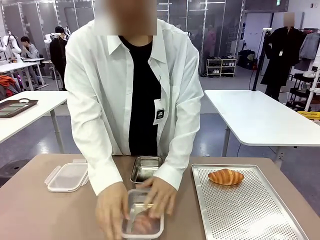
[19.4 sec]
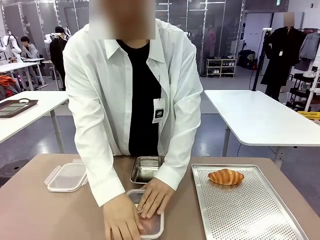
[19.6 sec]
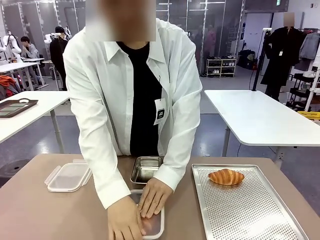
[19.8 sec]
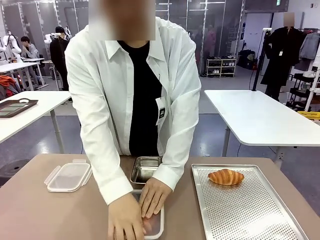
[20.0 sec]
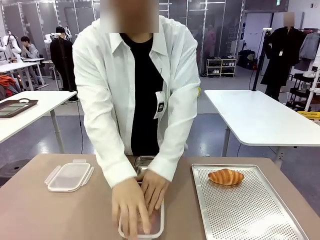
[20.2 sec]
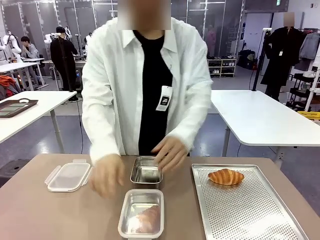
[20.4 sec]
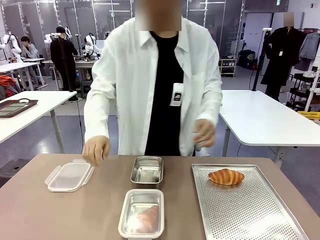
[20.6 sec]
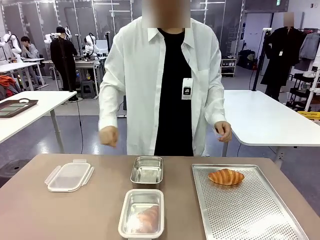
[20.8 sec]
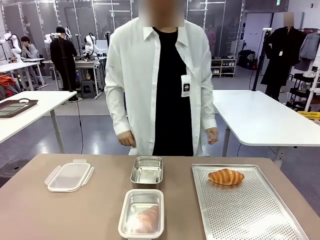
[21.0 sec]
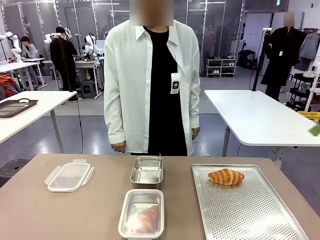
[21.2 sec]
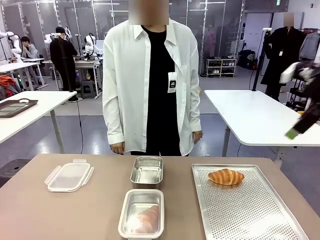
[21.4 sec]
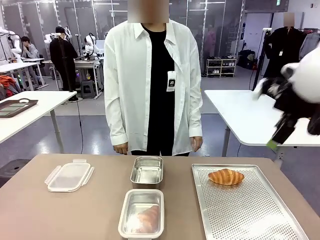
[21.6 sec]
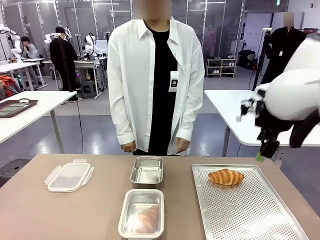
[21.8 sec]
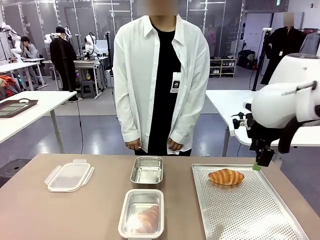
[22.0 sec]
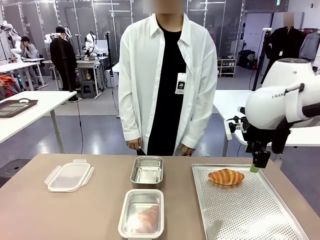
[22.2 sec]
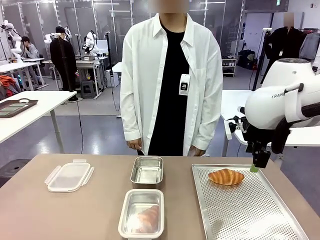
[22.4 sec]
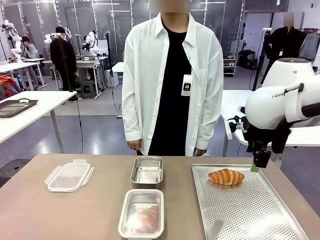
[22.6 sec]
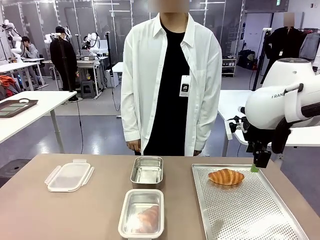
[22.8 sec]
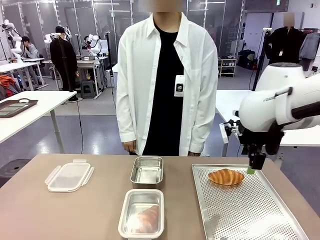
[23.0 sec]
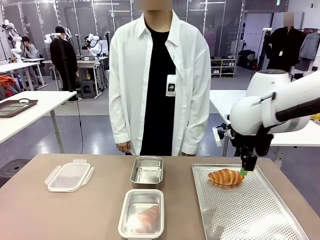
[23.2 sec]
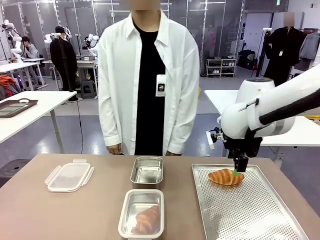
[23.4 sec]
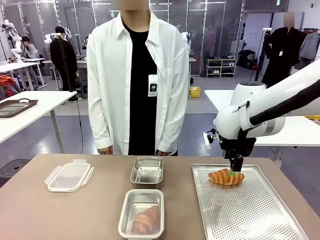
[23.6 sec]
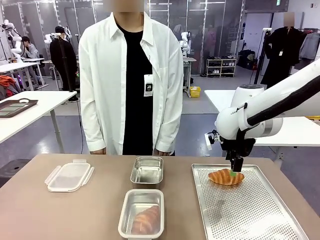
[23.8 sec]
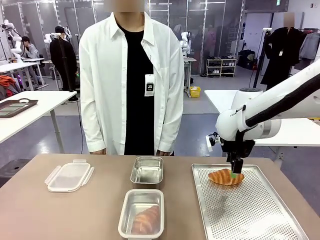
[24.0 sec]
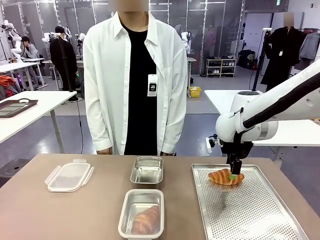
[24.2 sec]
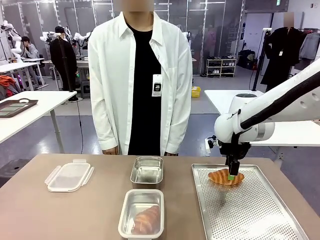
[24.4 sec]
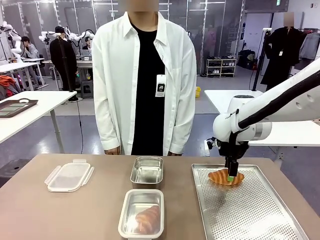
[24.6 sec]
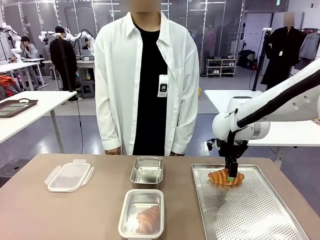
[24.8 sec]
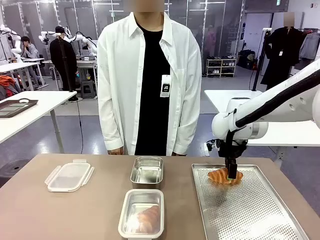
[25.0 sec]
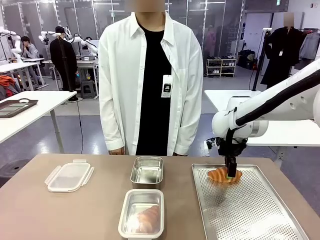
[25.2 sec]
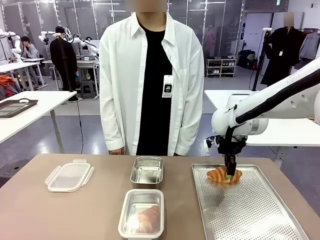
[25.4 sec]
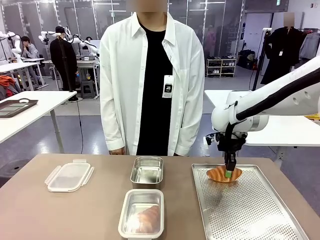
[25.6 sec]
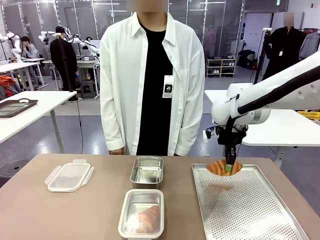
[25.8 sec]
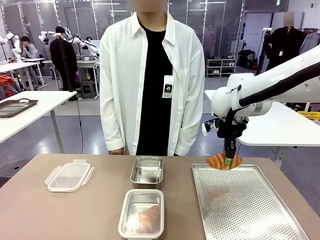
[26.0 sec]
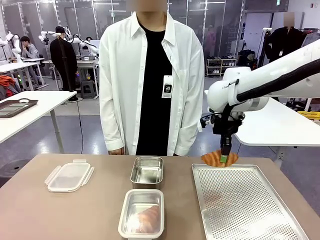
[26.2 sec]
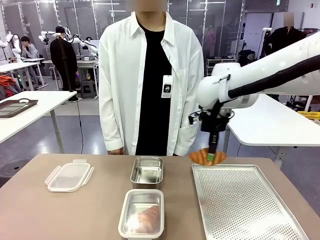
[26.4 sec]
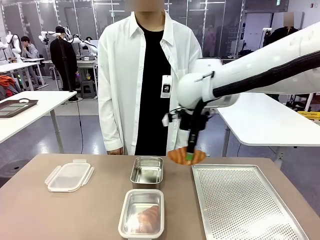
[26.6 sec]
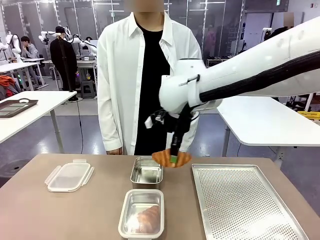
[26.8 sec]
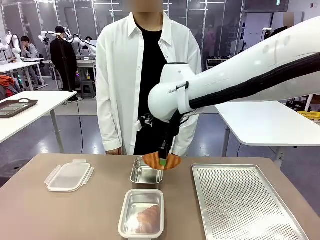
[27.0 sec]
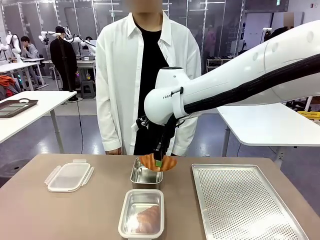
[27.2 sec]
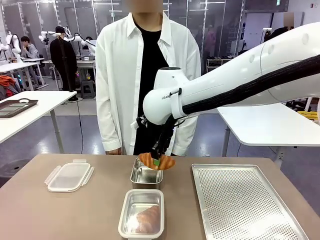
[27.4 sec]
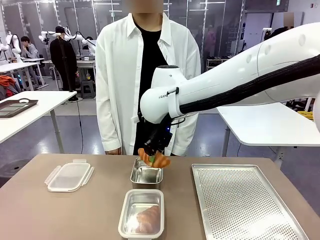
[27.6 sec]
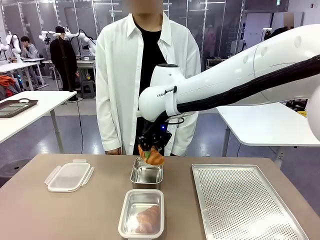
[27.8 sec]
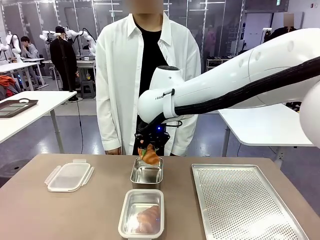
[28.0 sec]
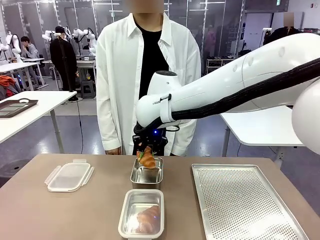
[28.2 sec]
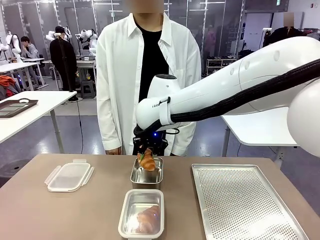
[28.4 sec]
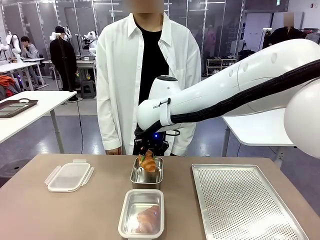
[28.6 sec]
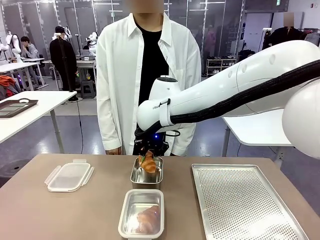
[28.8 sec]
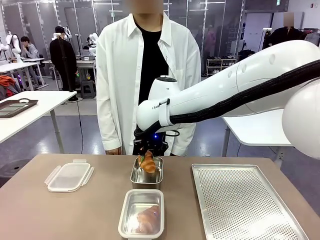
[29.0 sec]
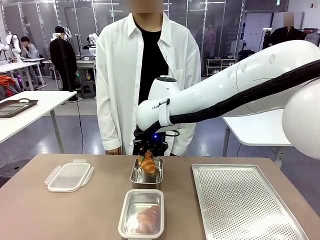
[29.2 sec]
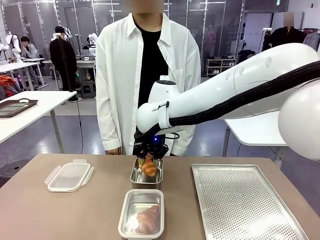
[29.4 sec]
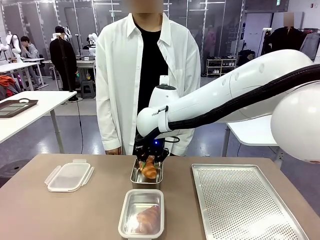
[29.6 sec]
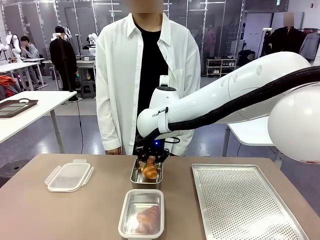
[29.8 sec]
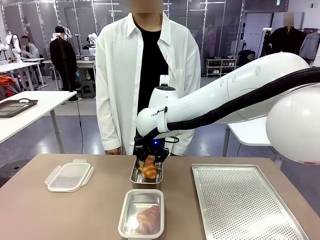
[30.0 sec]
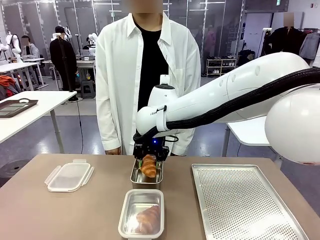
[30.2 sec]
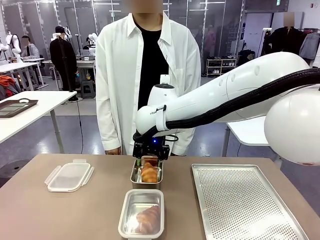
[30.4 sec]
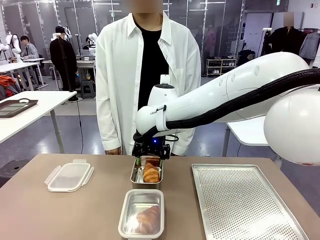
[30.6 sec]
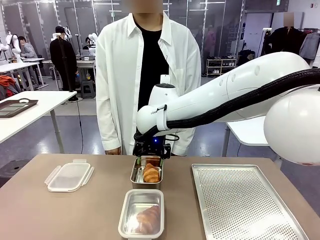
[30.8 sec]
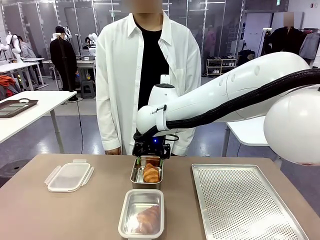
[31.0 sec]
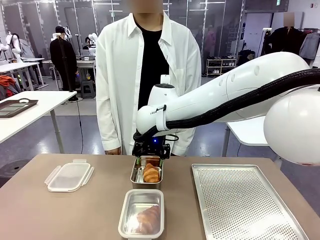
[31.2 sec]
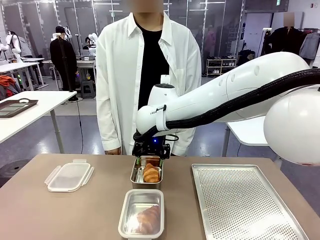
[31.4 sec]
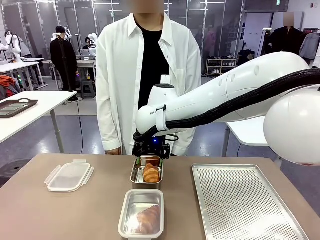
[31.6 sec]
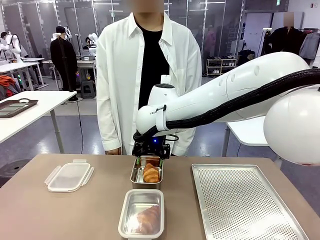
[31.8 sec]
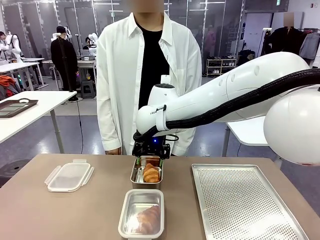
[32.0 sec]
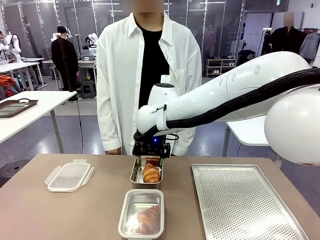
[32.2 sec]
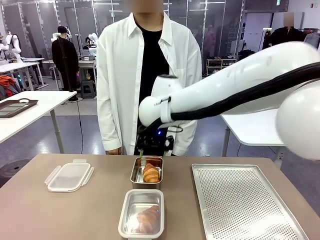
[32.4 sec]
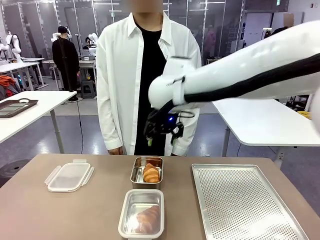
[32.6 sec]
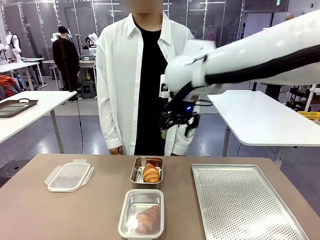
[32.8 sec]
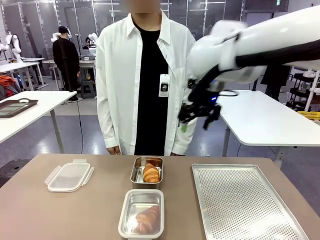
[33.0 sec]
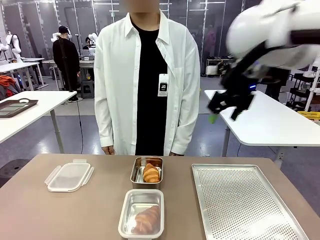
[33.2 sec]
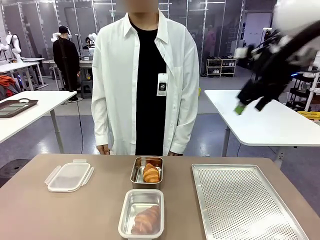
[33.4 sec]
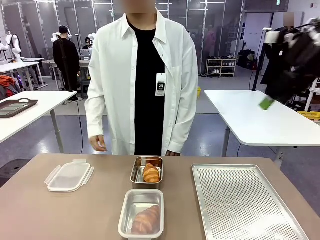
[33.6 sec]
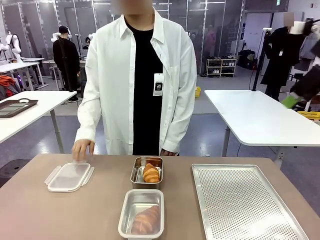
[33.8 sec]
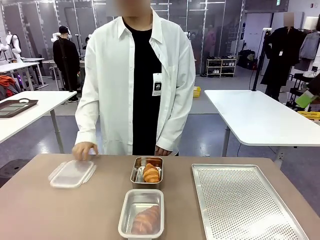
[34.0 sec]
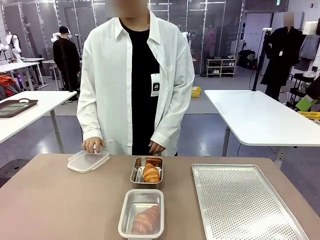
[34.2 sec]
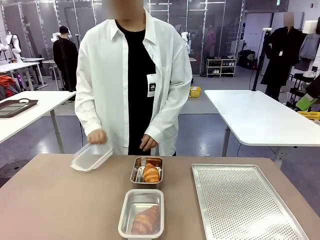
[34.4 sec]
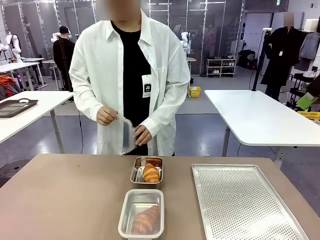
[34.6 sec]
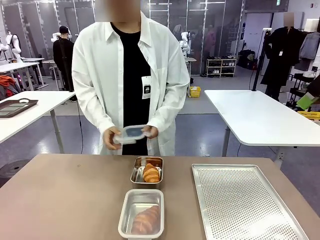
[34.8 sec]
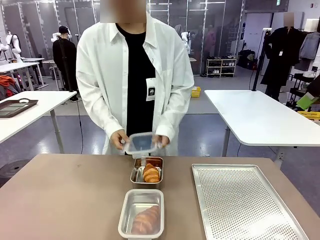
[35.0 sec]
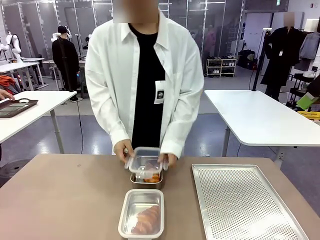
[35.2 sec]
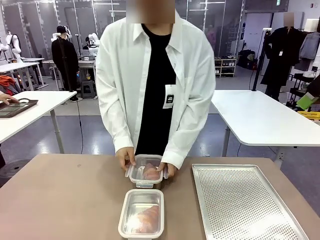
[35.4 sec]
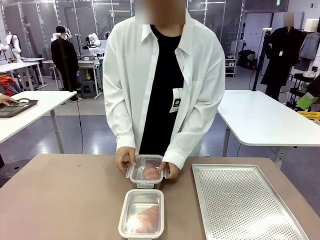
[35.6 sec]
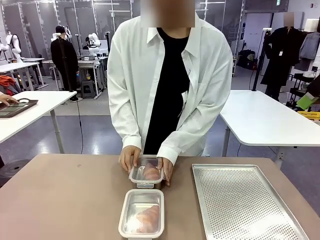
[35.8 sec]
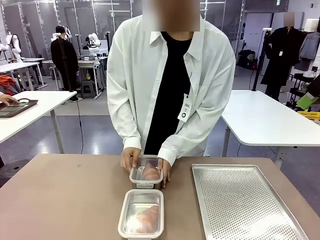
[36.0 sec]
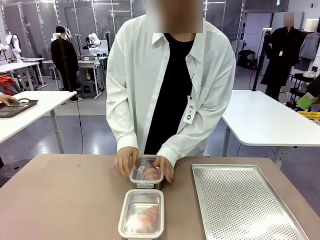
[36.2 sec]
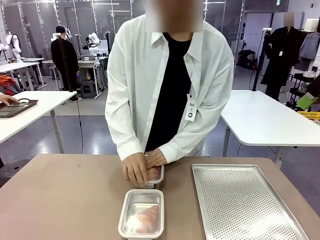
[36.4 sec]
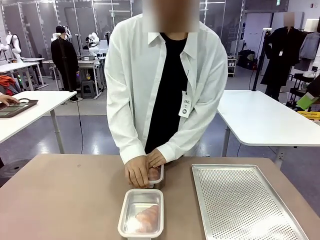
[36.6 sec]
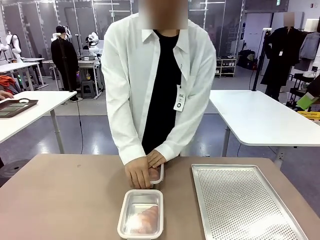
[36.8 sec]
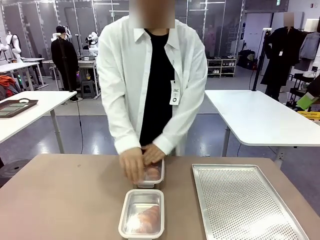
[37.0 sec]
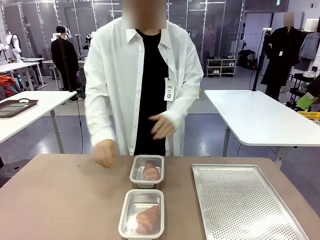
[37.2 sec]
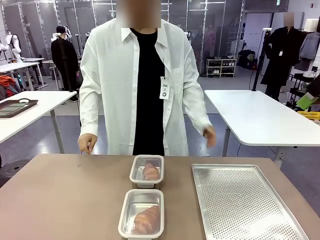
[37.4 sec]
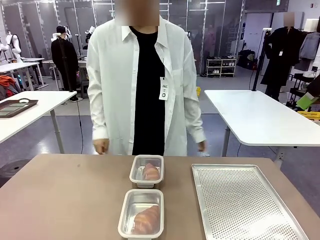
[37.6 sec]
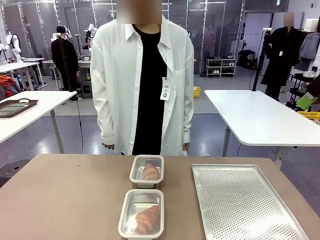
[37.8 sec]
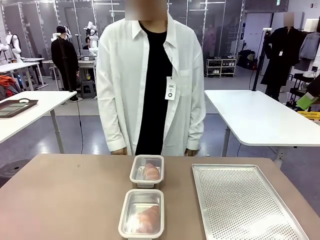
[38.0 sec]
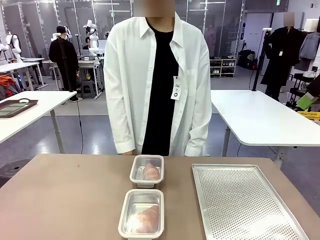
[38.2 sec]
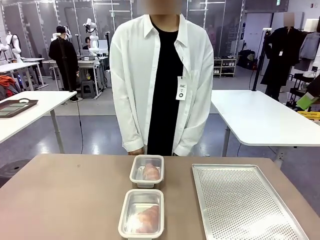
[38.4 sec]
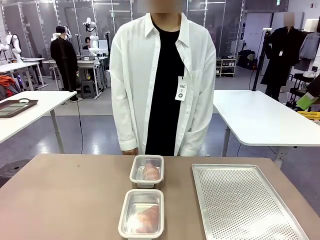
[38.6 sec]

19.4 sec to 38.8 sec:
Task: Place the bread into the airtight container.
Robot: Pick up a Butter Roll and place it into an empty Airtight Container.
